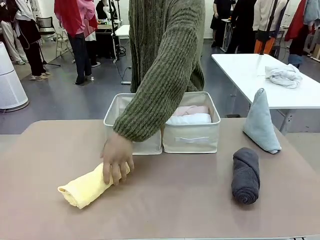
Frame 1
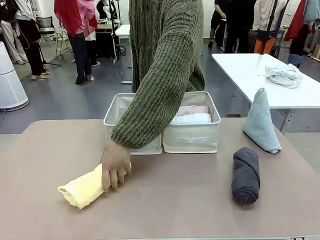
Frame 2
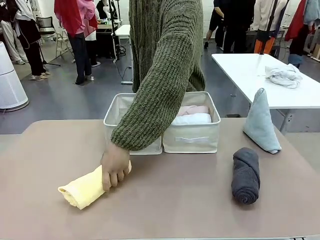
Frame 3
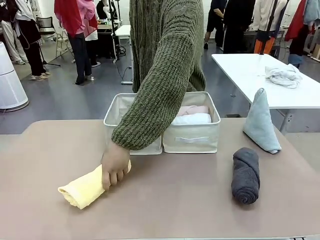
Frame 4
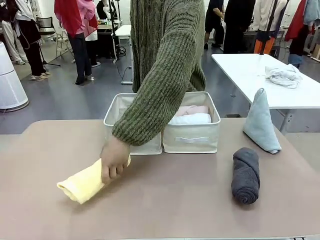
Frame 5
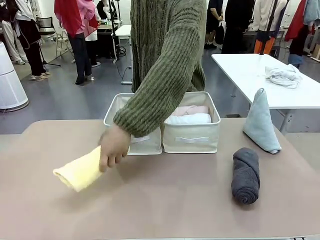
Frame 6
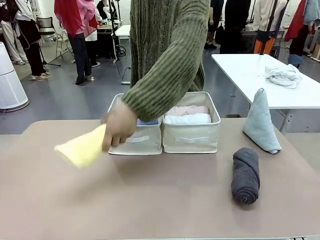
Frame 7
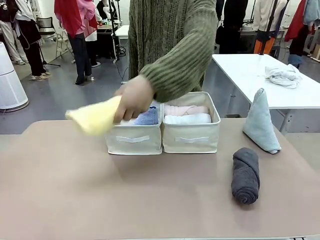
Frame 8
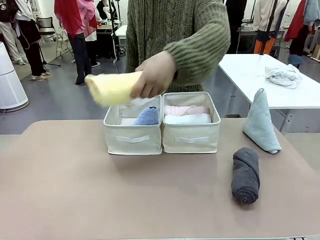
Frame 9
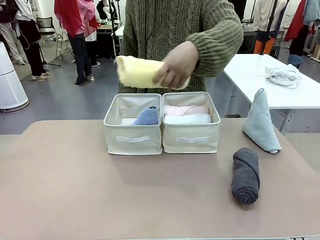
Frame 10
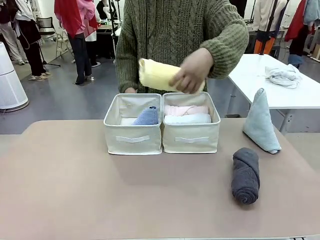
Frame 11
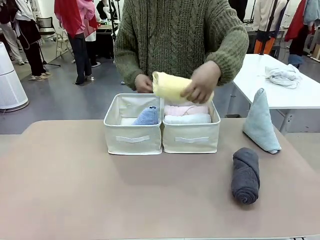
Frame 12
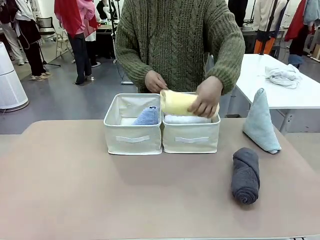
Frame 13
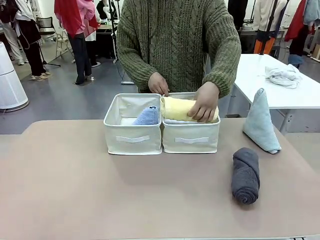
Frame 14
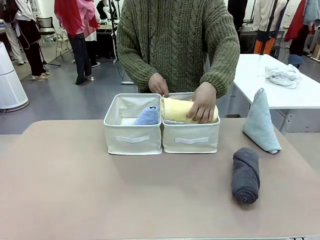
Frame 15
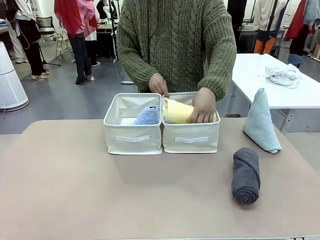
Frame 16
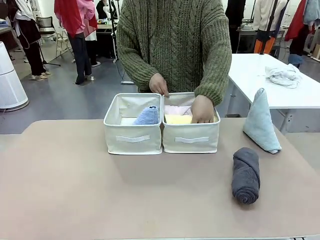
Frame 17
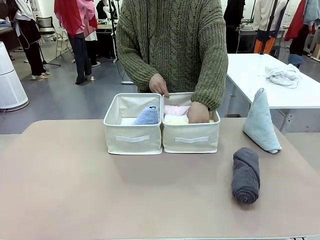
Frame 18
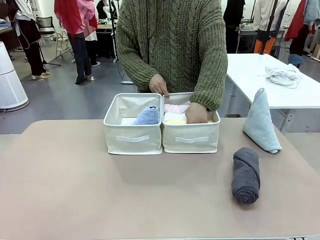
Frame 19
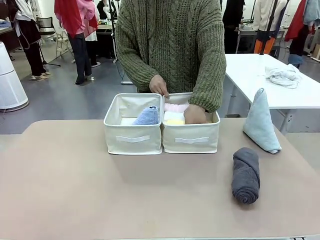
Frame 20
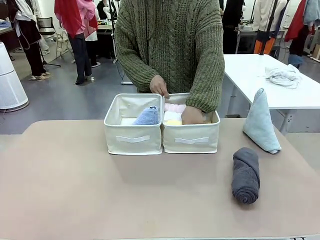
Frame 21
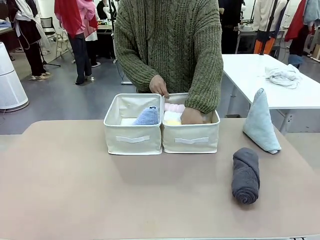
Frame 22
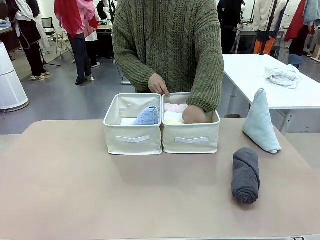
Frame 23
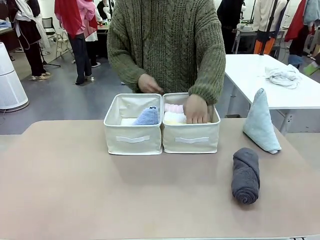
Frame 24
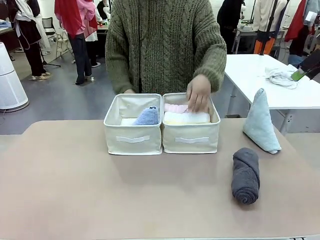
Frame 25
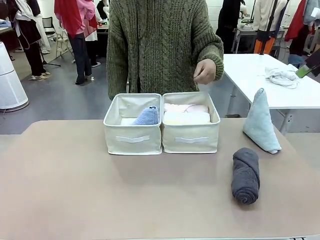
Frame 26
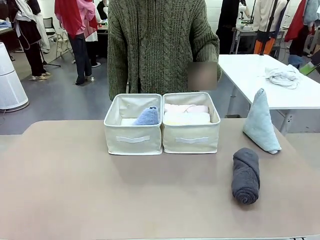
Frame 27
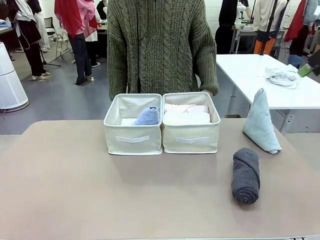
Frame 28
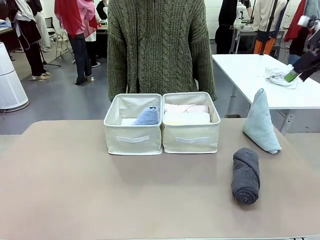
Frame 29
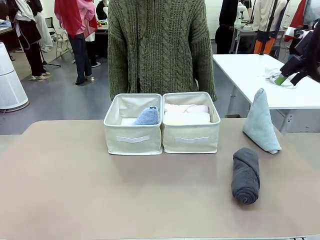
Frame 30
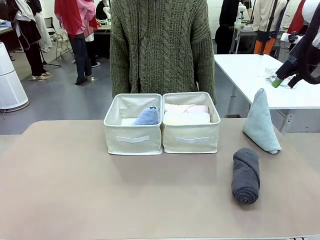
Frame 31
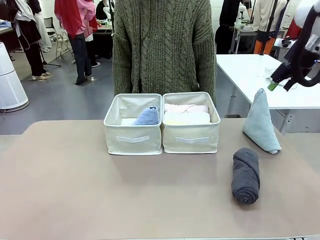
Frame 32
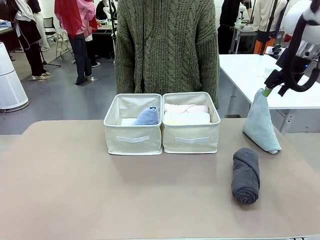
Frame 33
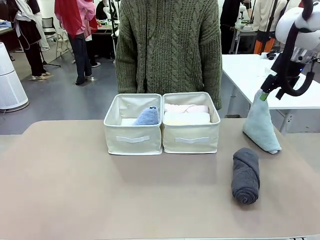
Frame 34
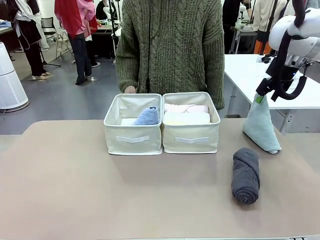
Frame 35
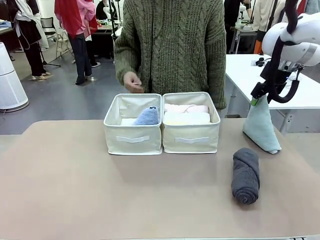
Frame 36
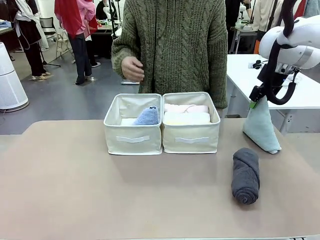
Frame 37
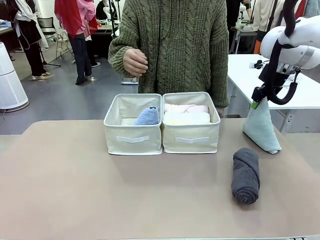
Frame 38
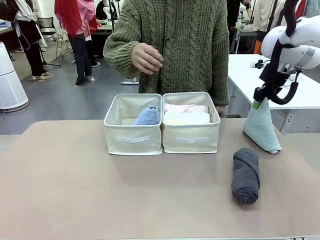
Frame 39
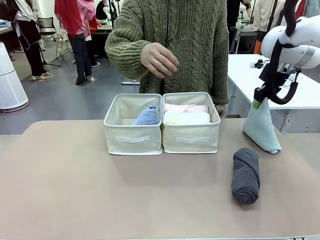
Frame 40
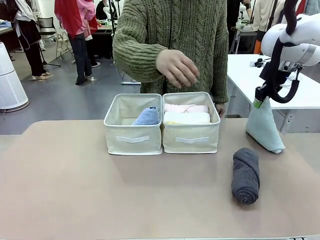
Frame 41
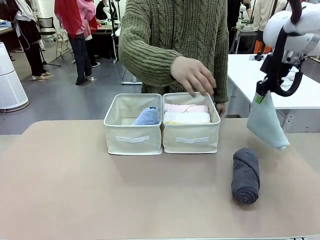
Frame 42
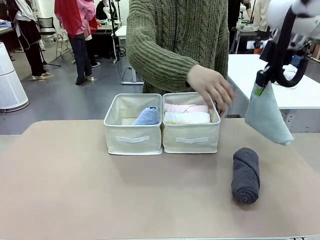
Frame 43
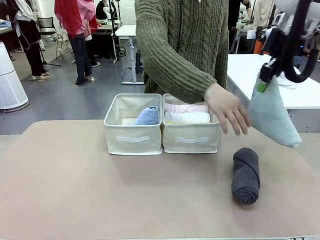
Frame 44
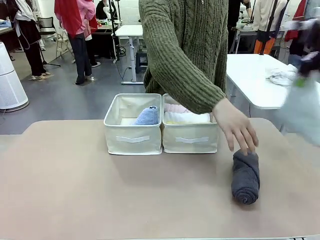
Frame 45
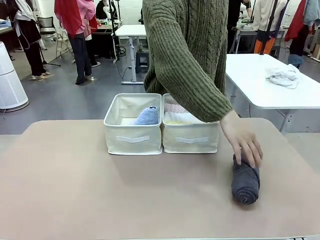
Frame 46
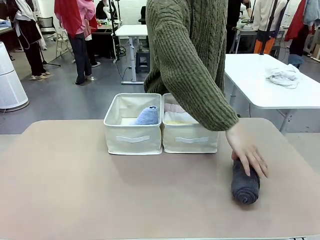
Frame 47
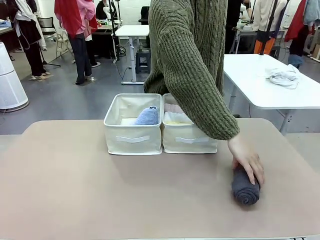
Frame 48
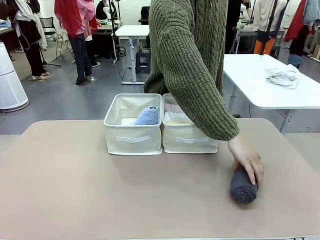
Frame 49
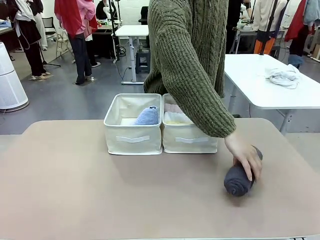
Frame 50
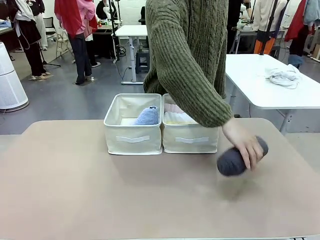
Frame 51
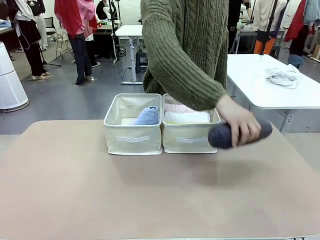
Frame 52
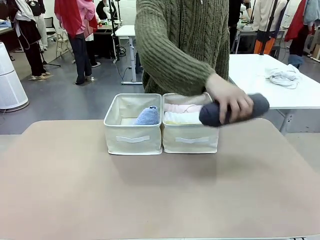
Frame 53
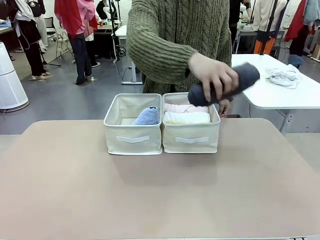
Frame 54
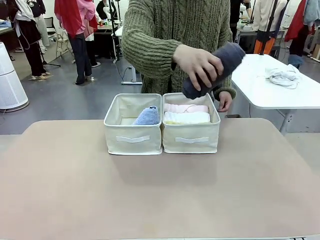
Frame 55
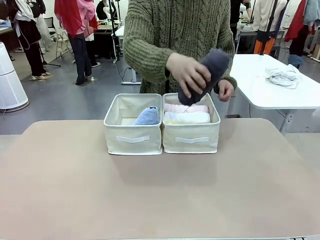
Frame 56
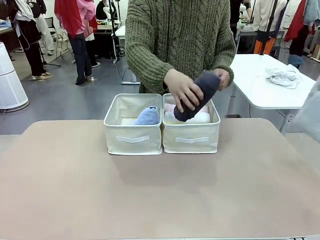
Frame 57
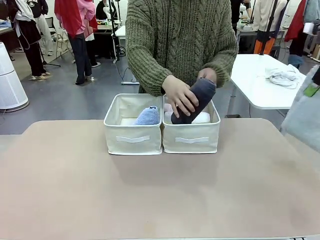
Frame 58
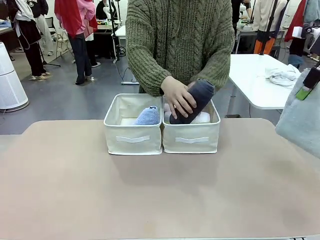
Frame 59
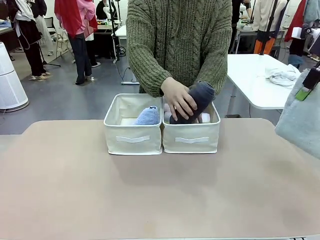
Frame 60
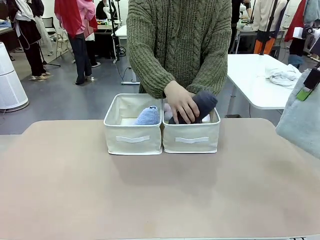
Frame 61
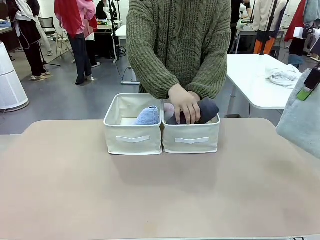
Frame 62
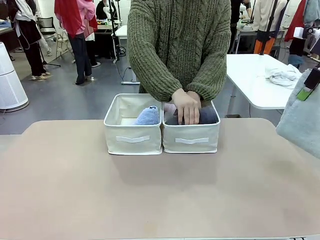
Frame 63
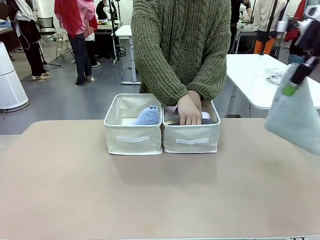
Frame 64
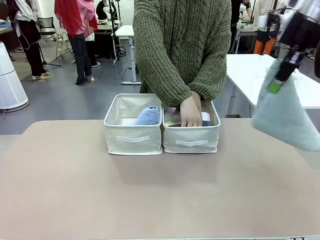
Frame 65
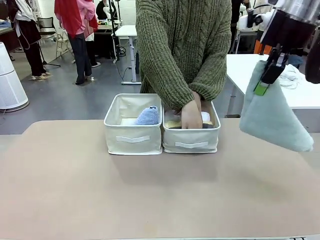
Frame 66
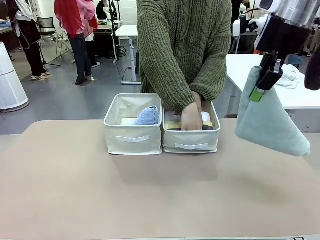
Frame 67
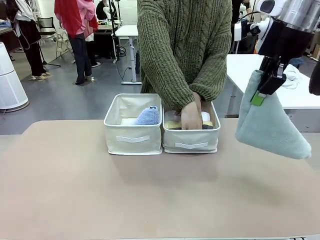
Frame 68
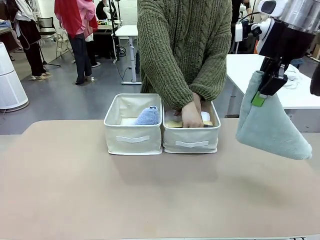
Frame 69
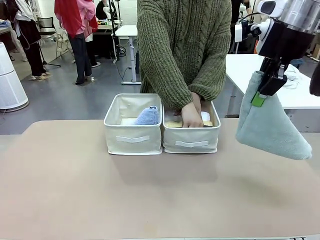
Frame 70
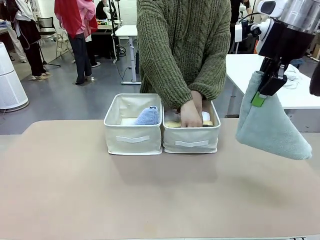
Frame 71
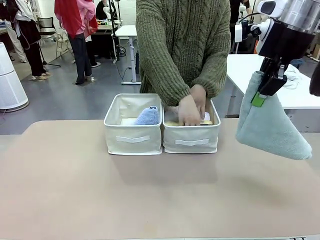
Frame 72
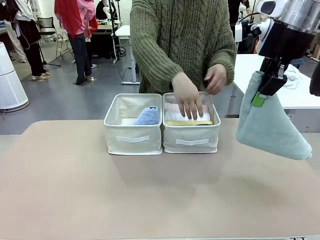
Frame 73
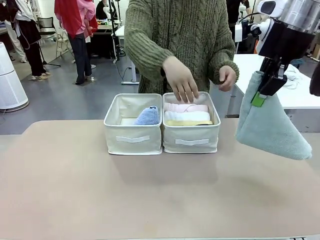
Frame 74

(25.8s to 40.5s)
Task: Sort the towels based on their folding style.
Robot: Pick up another triangle-folded towel from the table and place it in the left Fabric basket.

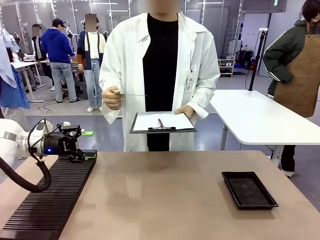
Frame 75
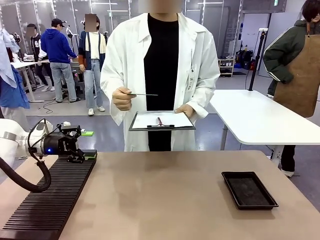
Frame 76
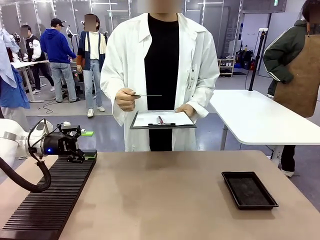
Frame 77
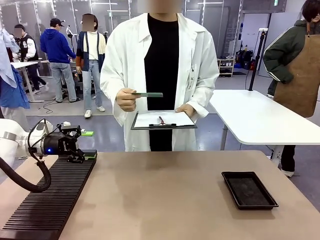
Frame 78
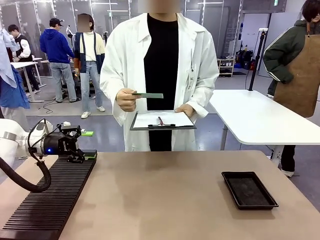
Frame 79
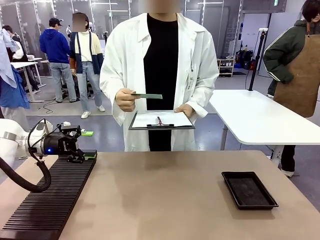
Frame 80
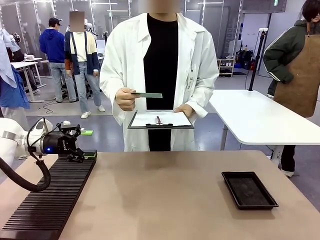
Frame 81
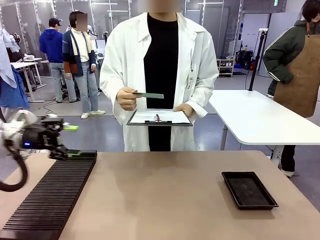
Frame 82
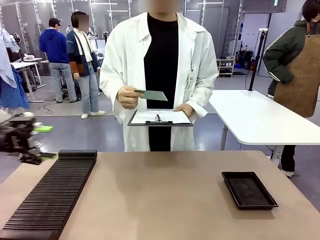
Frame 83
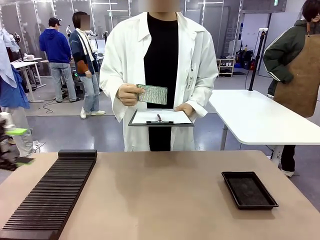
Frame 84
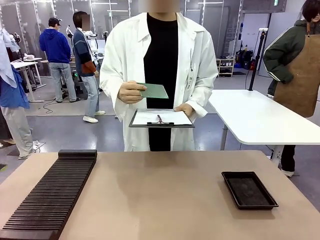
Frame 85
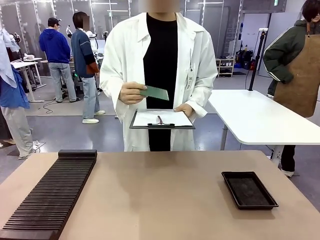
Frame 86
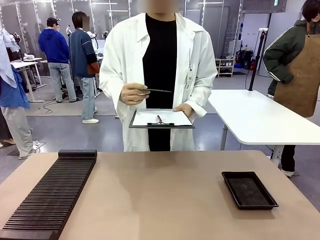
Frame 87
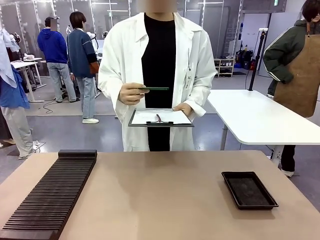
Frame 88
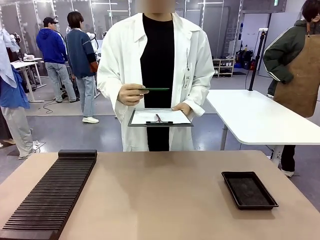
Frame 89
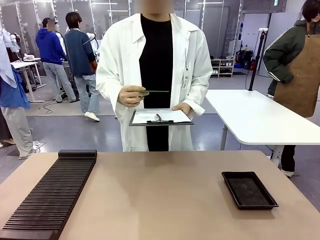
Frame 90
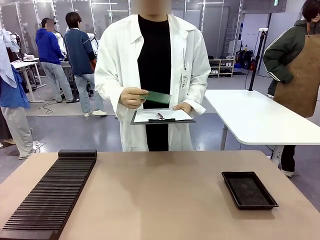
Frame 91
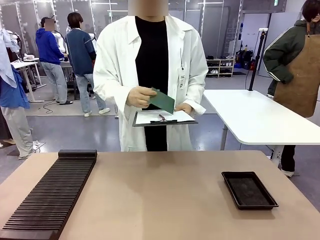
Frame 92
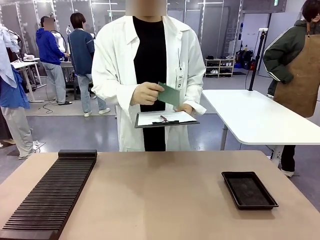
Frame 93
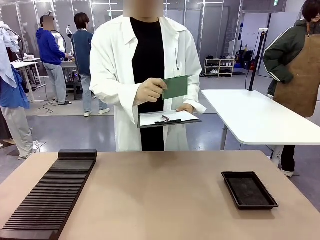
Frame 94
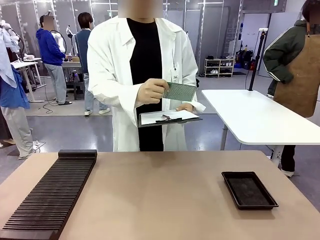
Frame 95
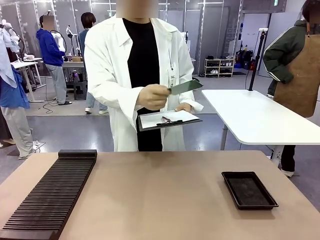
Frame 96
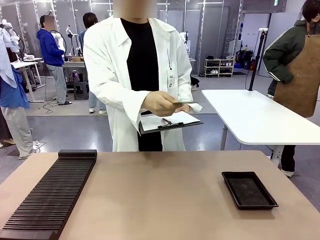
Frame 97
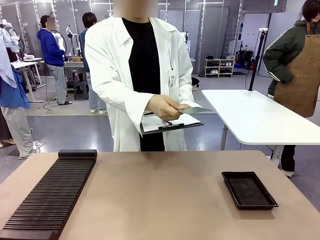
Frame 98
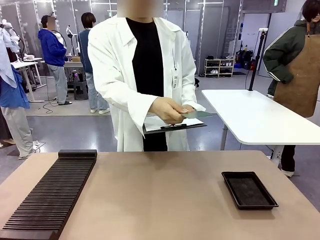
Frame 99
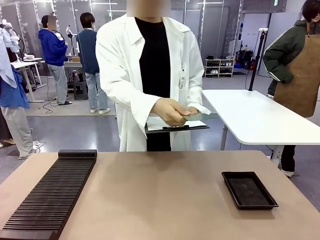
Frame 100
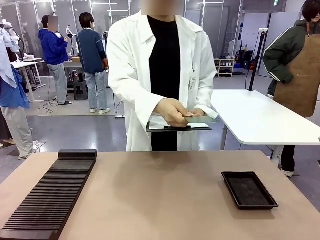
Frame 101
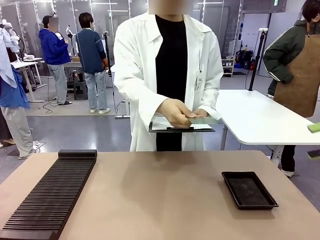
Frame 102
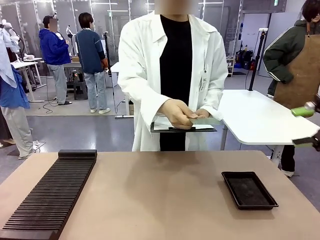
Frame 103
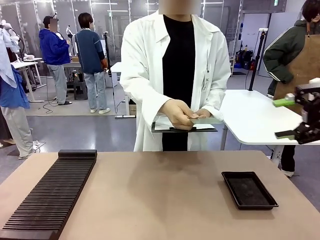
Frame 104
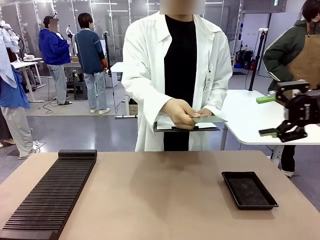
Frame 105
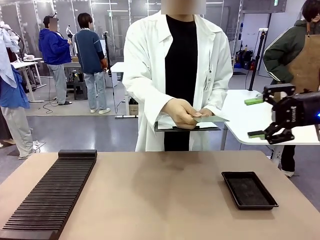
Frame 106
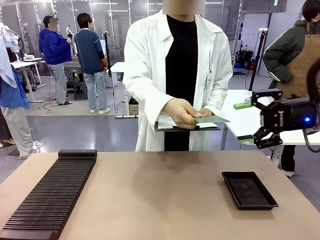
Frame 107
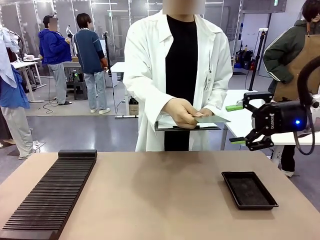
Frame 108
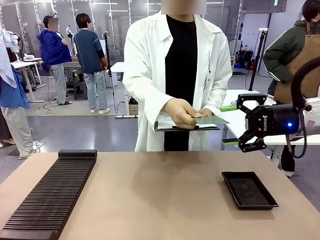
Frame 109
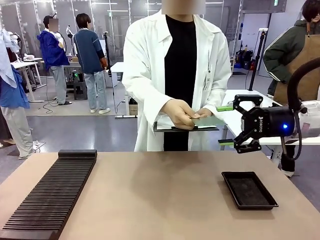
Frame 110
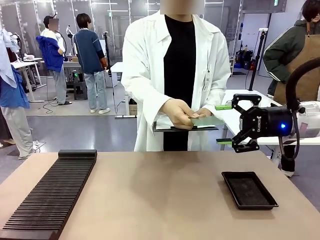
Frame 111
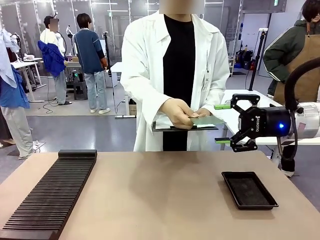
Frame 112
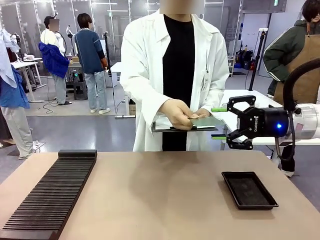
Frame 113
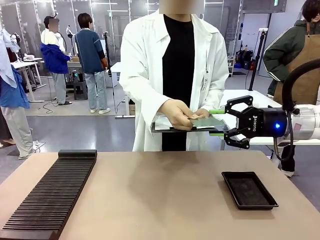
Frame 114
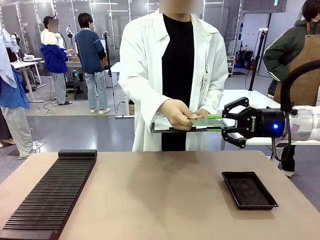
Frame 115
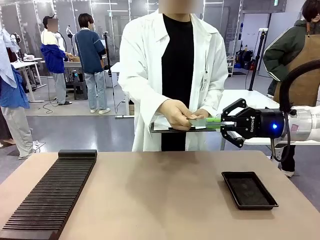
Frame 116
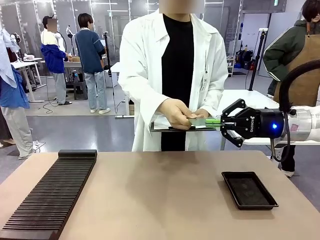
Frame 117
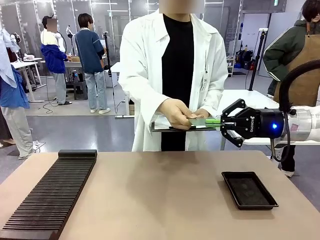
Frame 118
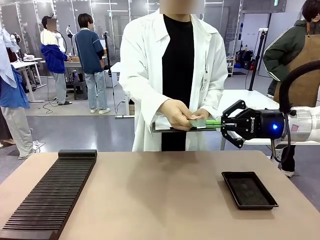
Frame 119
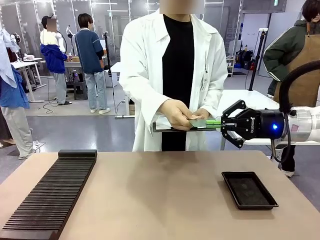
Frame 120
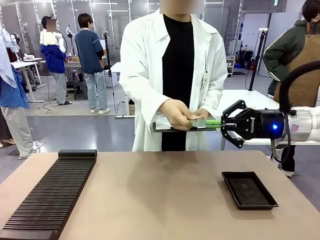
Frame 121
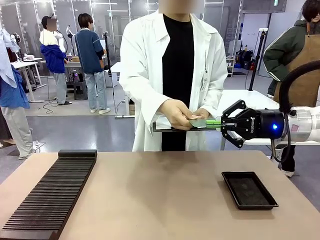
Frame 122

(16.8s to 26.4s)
Task: Inspect the PCB.
Robot: Pick up the Blank PCB that the human is holding.
Person: Inspect the PCB placed by the robot, then hold it out in front of the robot. Release the PCB you were holding.
